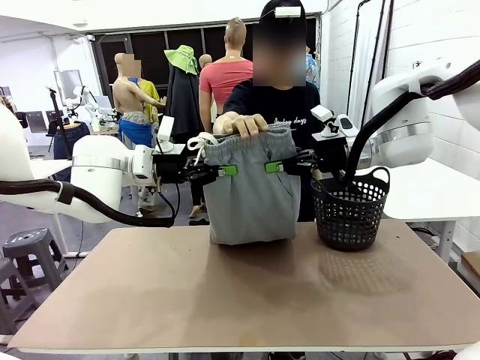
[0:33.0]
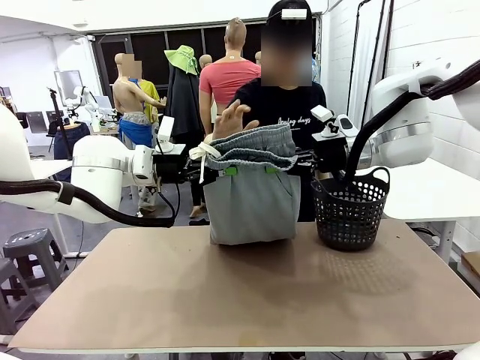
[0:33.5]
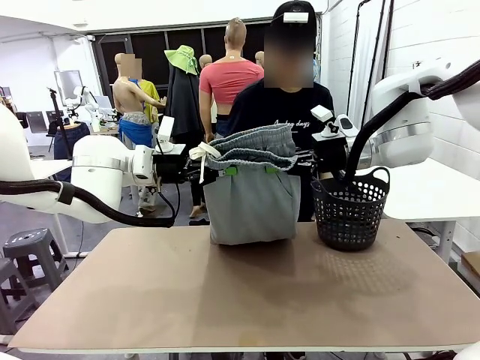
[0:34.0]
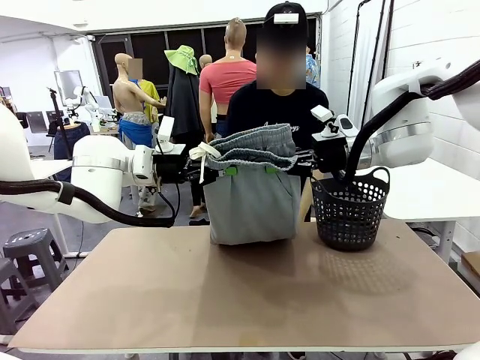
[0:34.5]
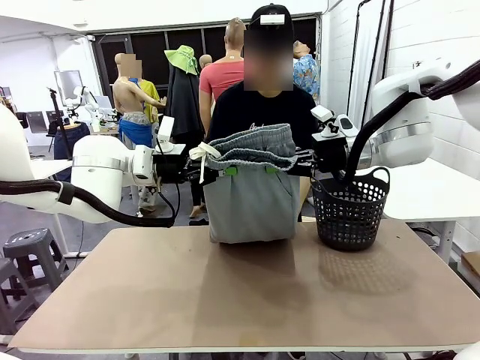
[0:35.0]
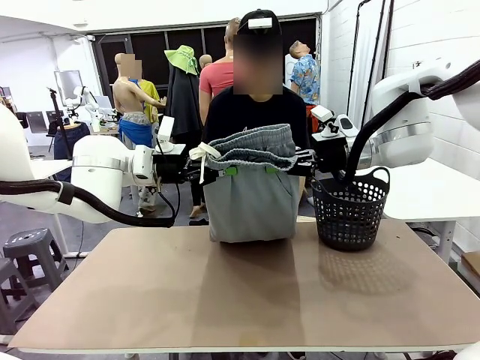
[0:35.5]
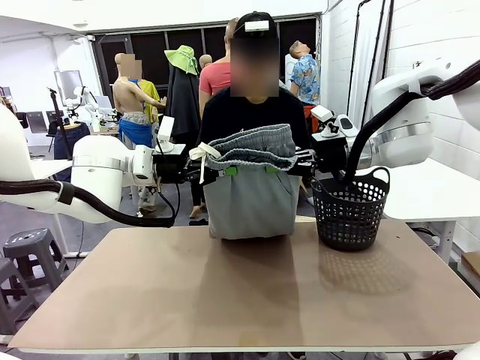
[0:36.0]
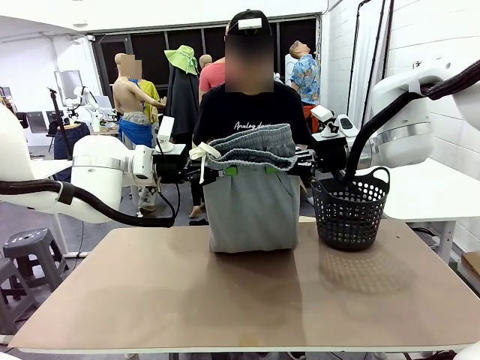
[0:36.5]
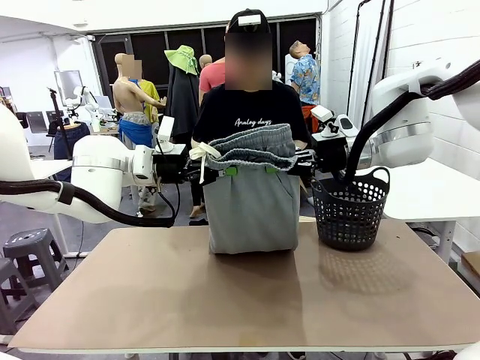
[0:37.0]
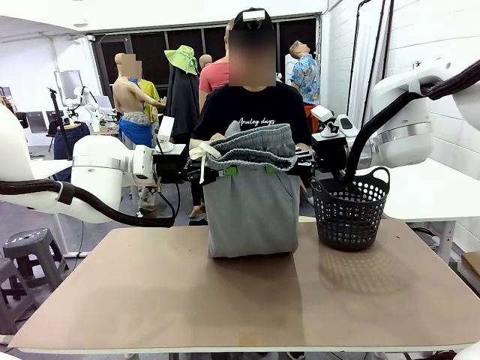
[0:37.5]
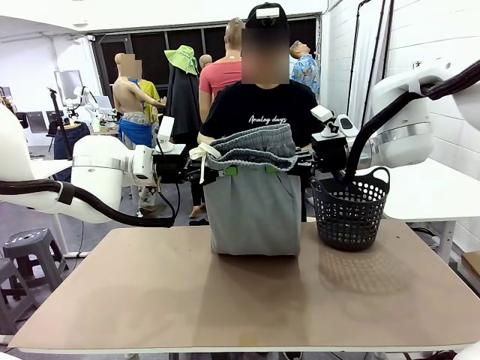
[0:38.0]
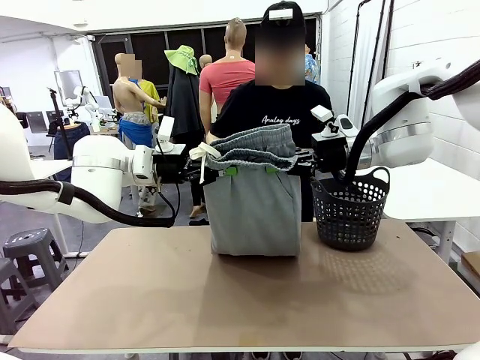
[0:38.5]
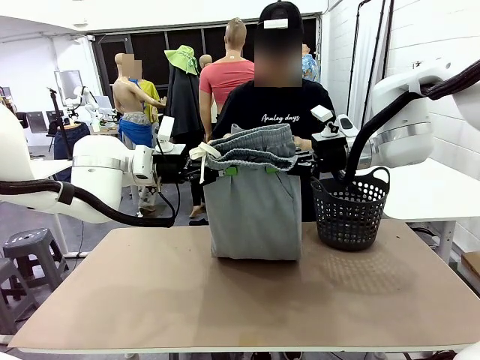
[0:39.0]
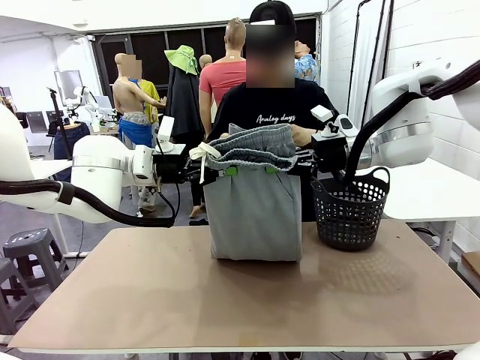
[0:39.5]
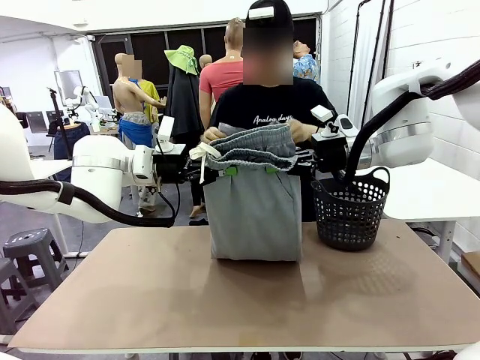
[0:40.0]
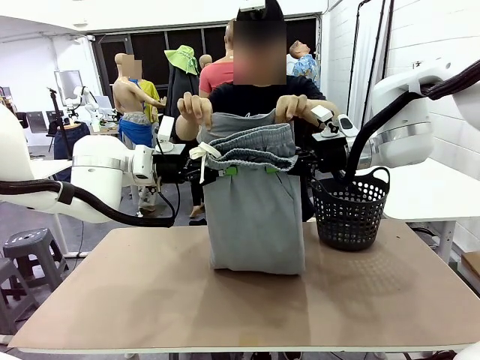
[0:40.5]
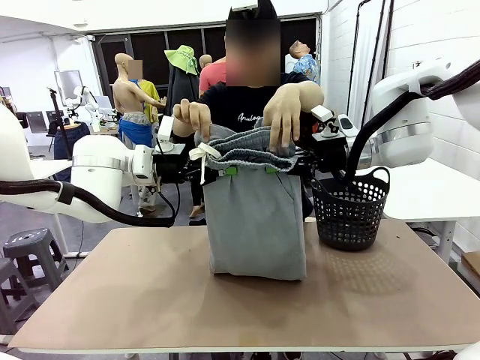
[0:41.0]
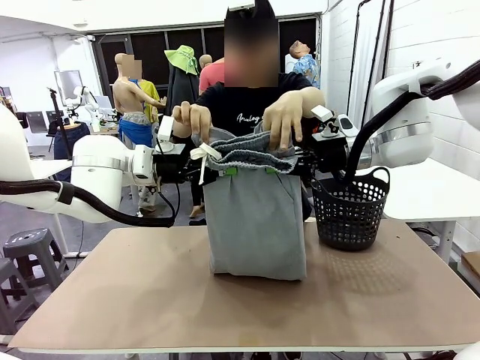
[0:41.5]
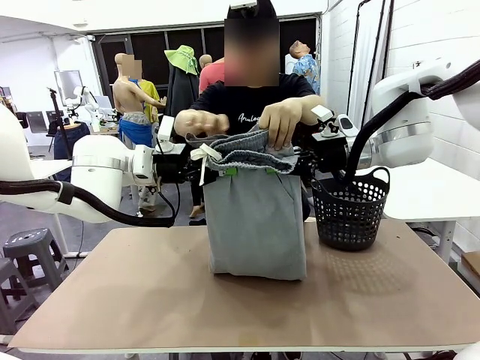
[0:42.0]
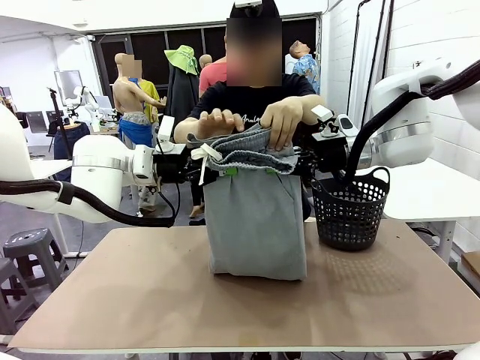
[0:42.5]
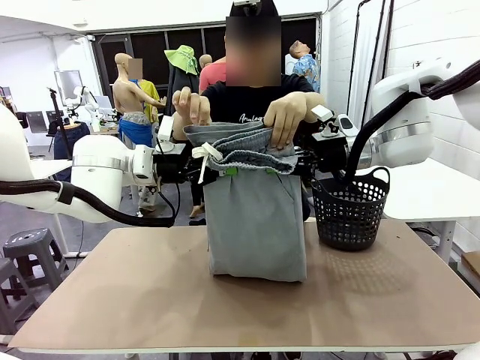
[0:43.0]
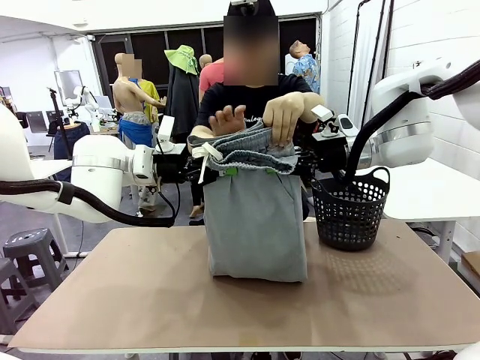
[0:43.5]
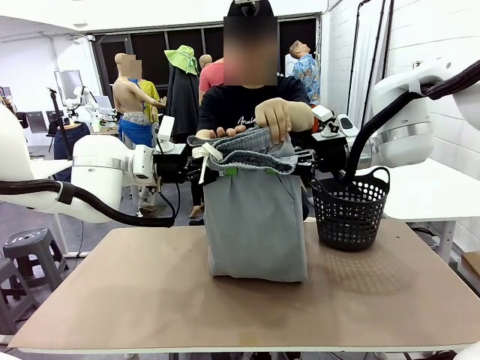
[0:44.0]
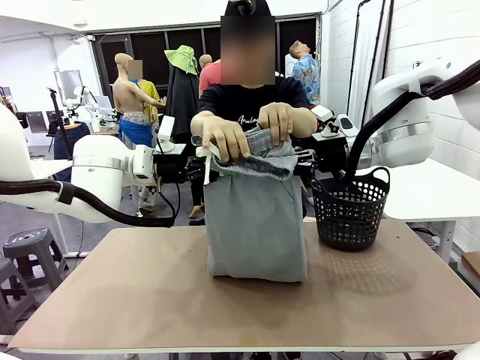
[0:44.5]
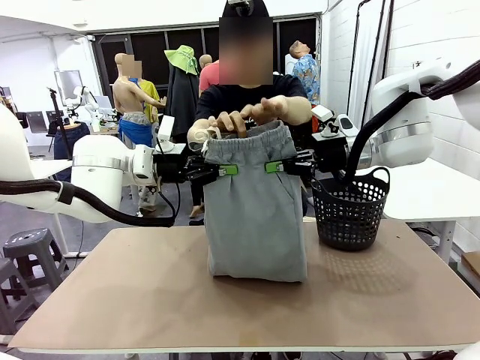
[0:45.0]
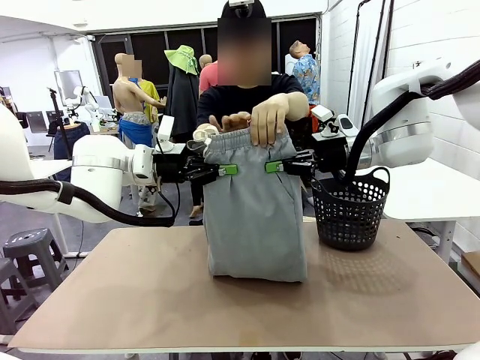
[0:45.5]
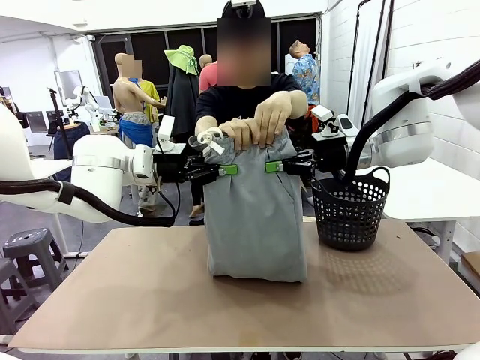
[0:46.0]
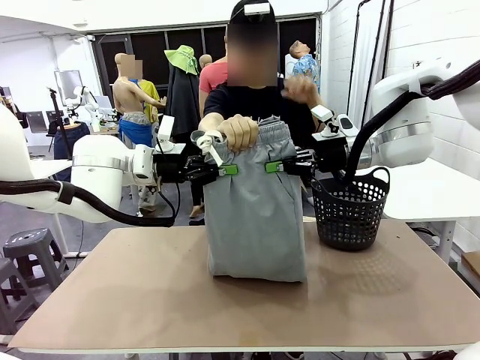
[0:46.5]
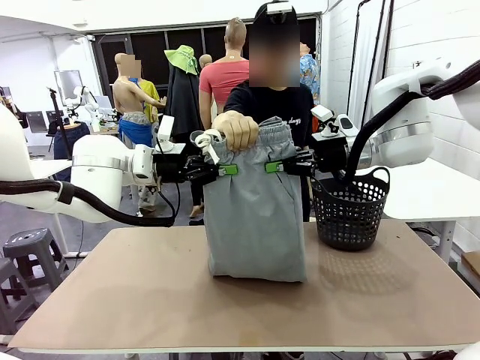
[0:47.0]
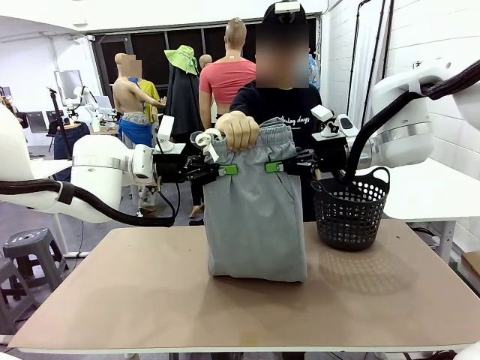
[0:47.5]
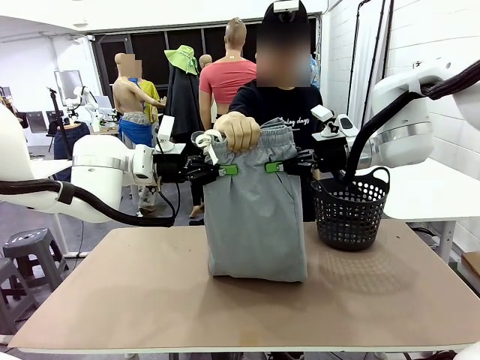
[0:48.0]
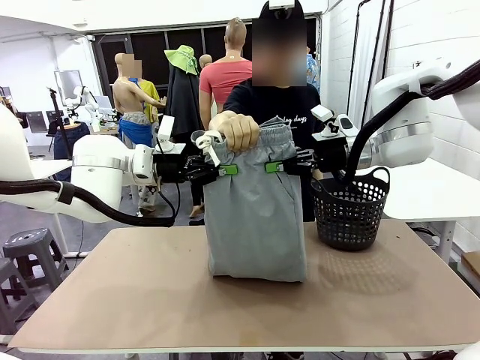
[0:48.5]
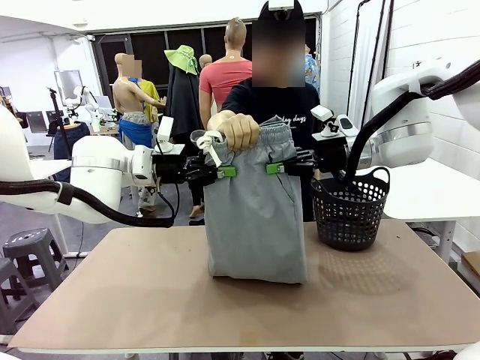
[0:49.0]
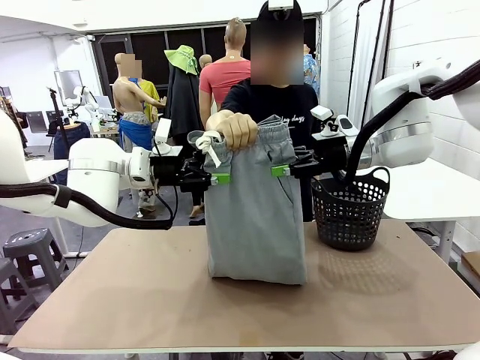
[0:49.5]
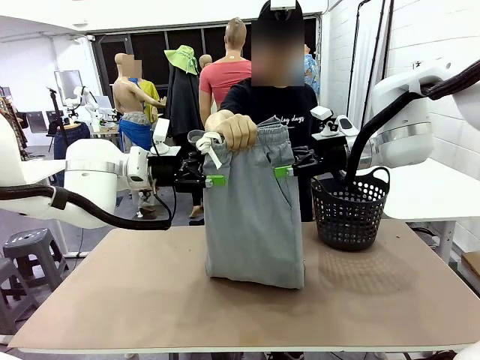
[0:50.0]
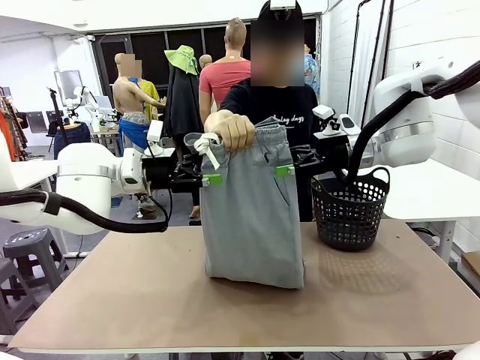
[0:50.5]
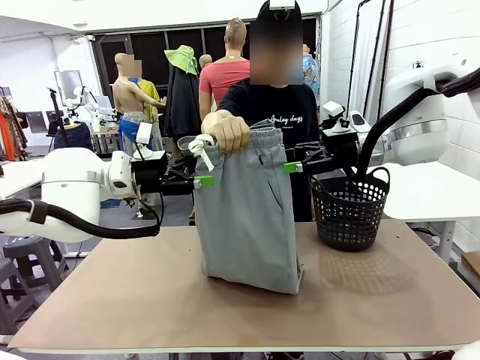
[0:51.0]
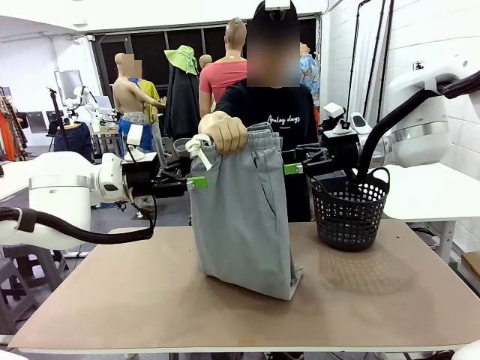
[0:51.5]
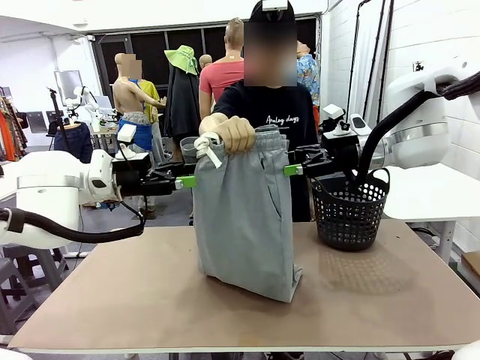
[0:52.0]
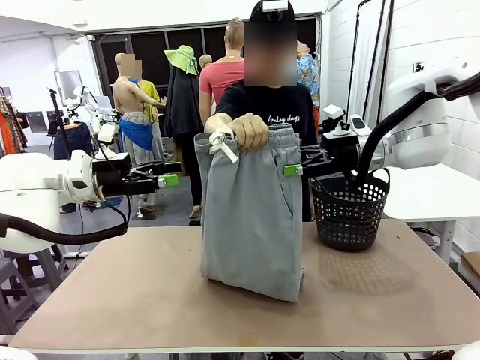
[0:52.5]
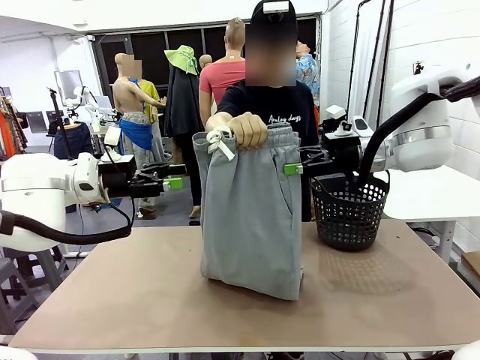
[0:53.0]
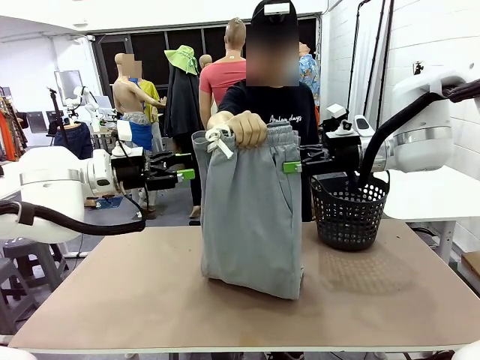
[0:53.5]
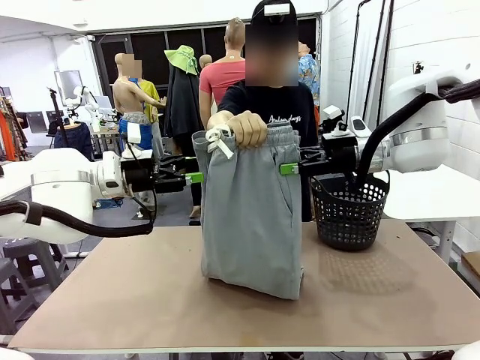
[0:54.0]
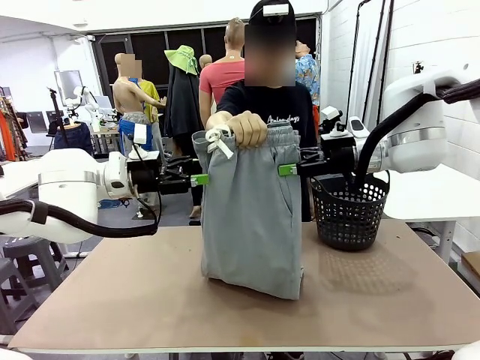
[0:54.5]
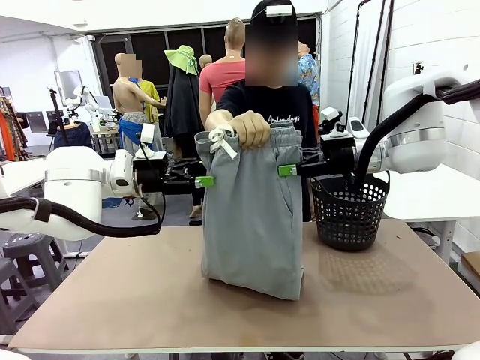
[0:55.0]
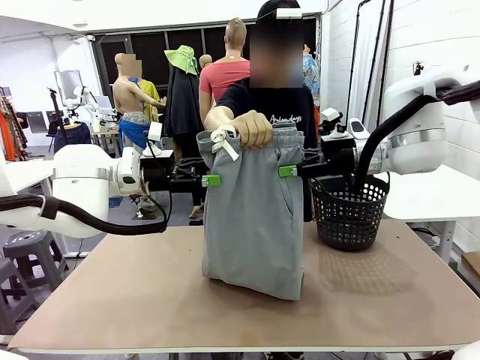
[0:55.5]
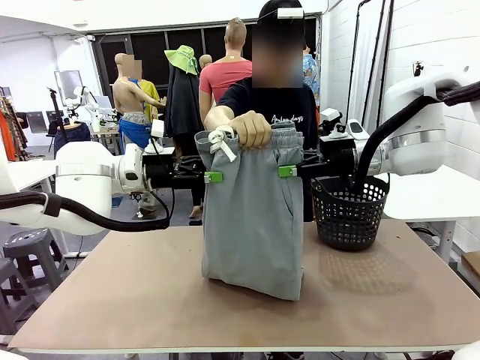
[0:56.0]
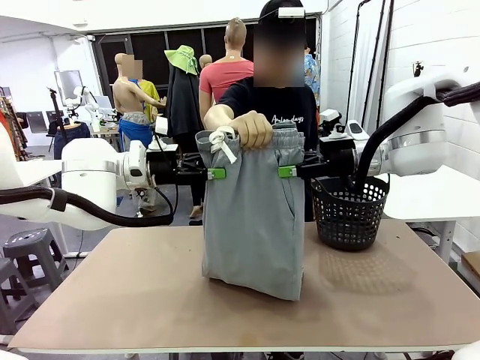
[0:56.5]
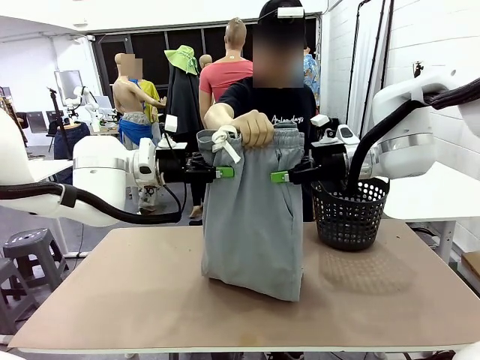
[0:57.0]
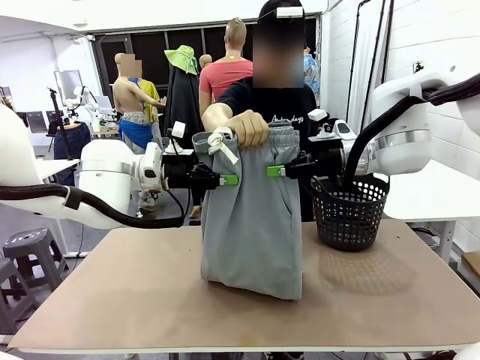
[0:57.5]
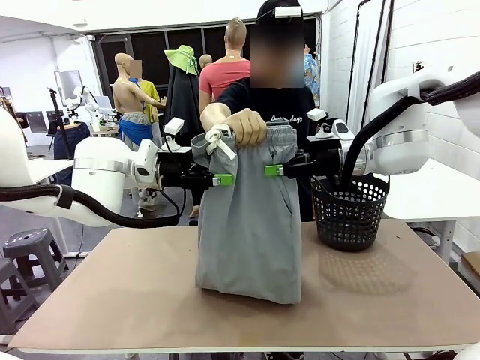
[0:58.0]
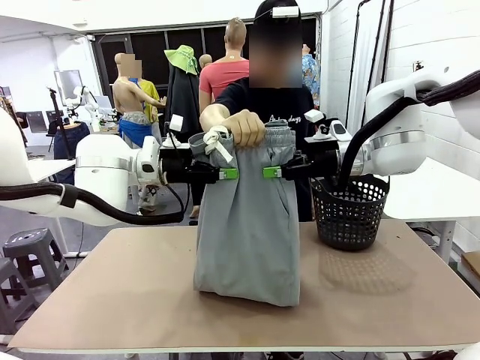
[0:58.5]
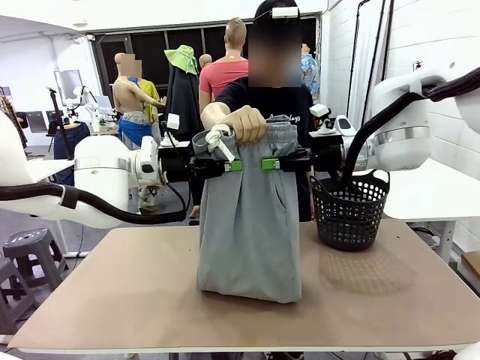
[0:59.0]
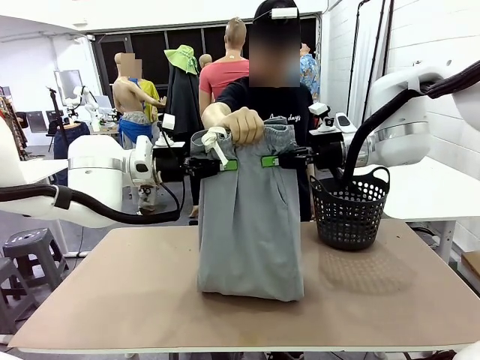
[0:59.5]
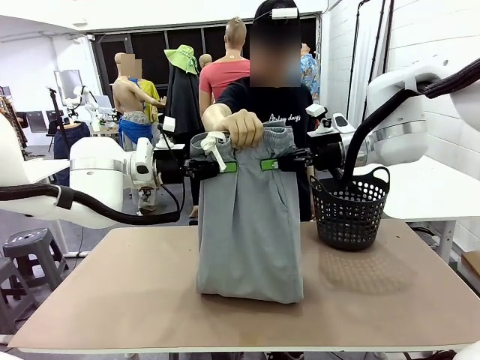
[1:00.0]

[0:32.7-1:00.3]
Task: Fold the training pants.
Robot: Release the ends of the Training pants and then grab the overlapped ends.
Person: Grasp the end opposite the point the robot is holding, fold the pants in half, and then grasp the overlapping top end of the folded pants. Release the pants you were holding.
